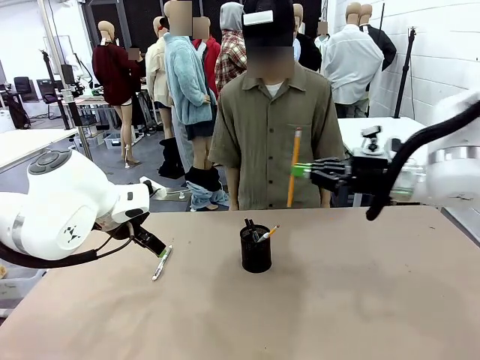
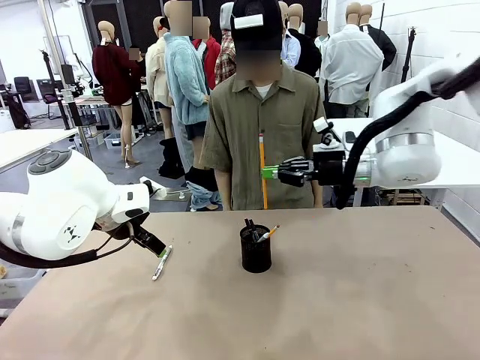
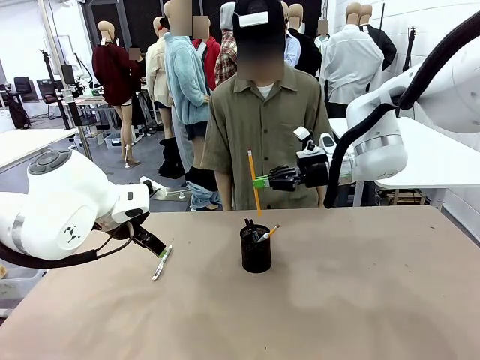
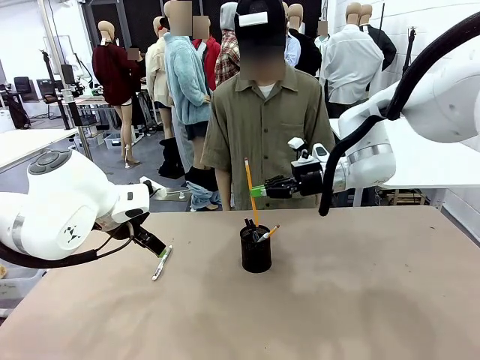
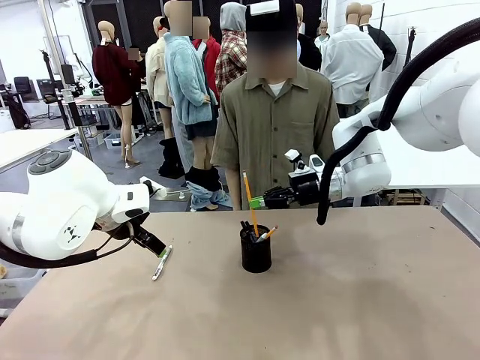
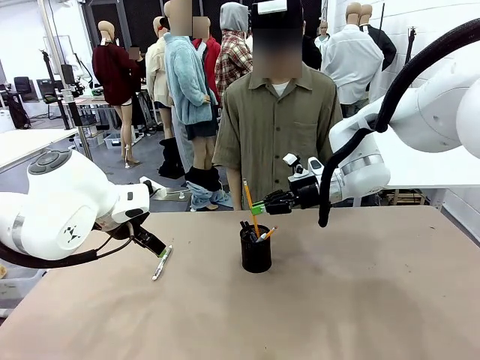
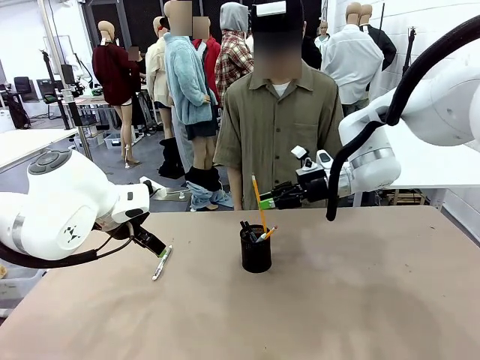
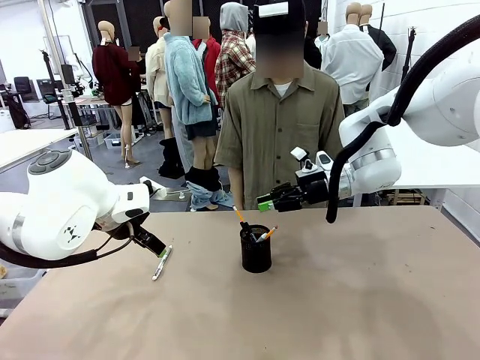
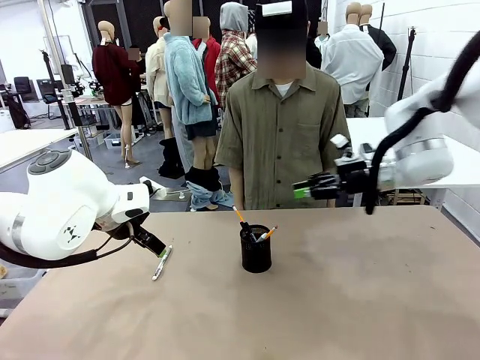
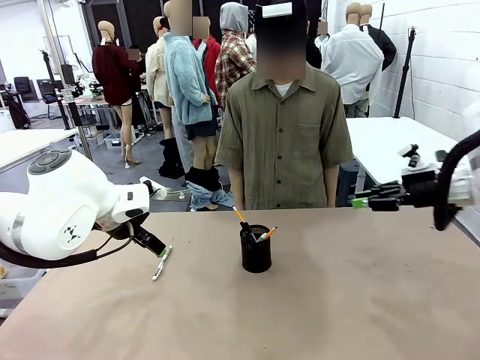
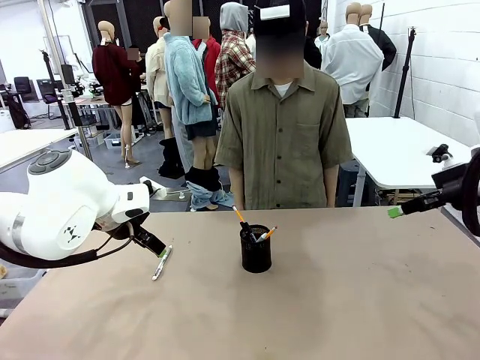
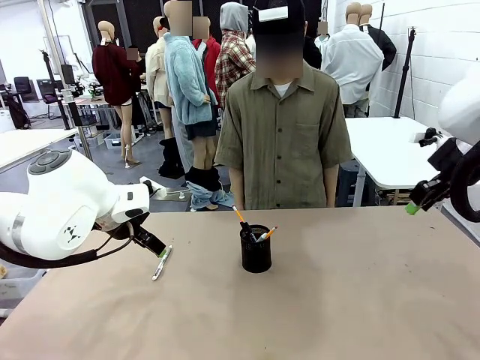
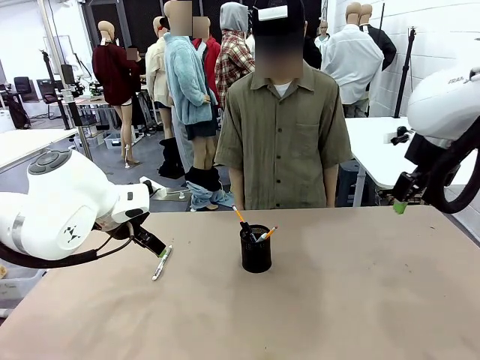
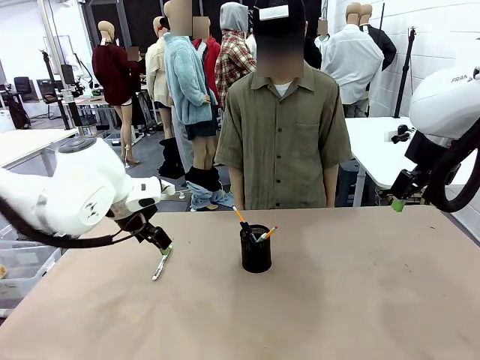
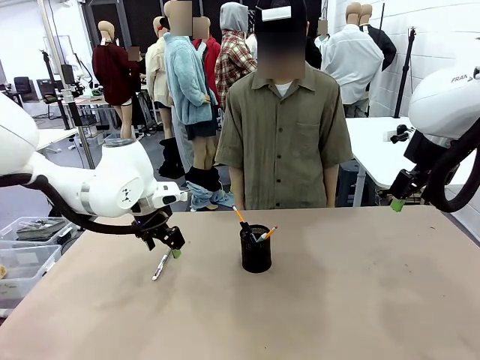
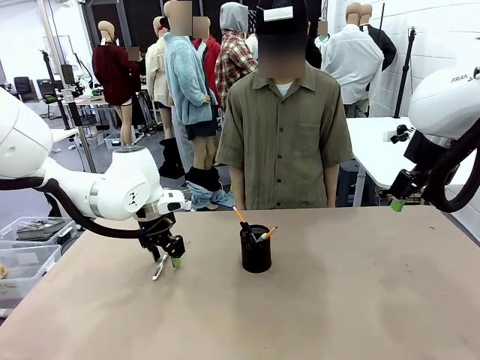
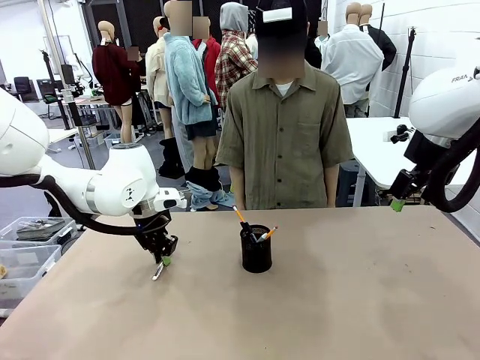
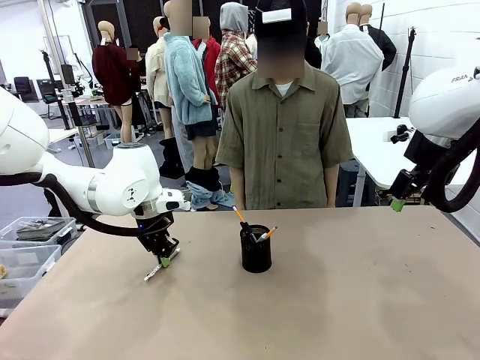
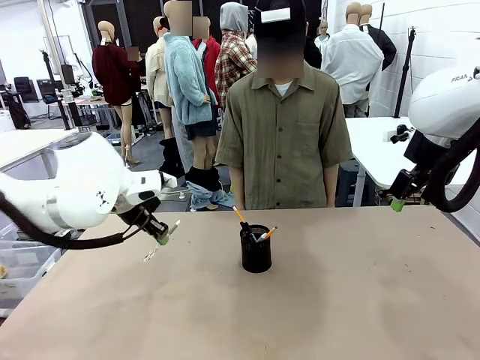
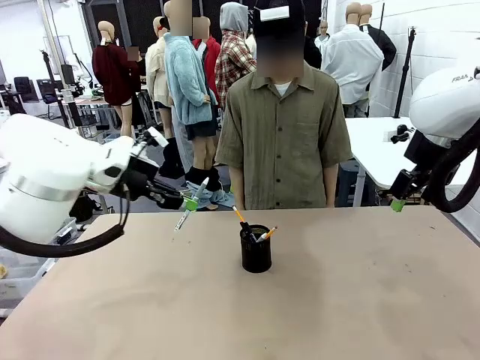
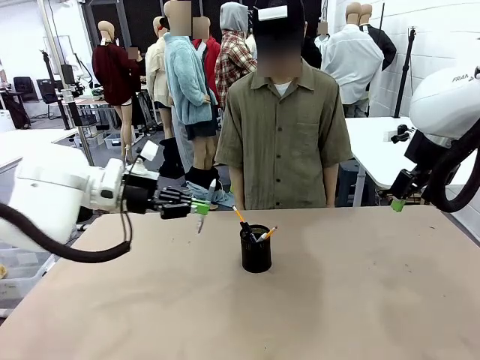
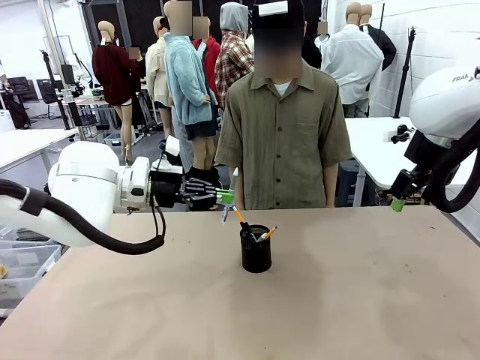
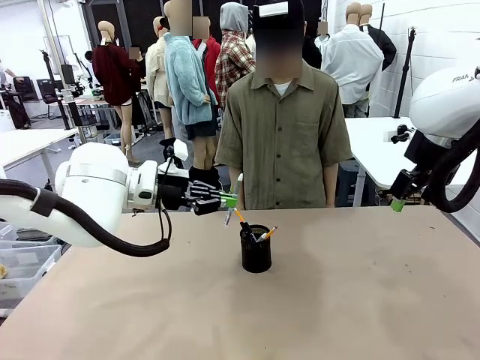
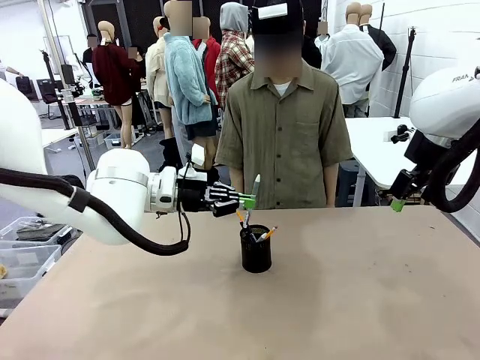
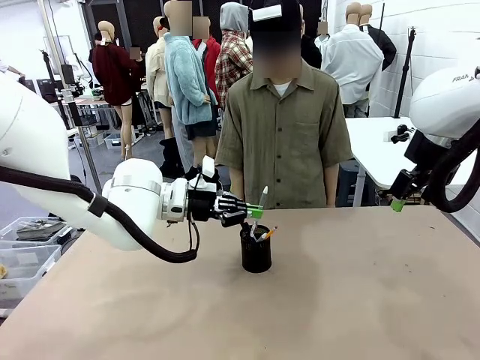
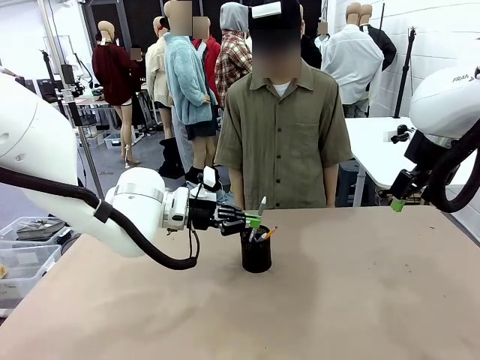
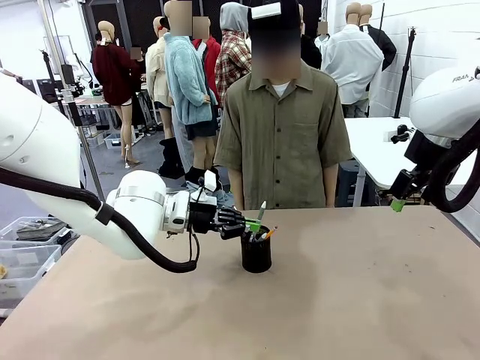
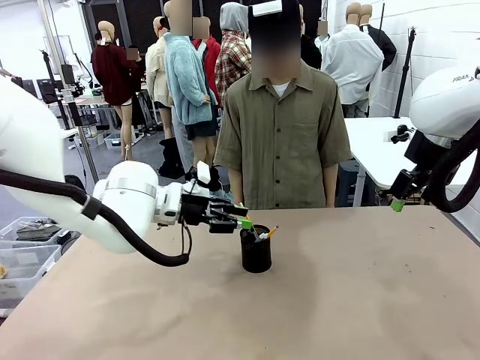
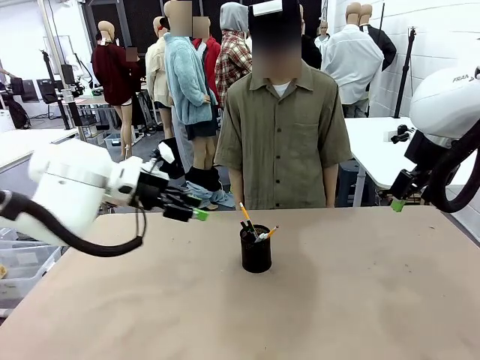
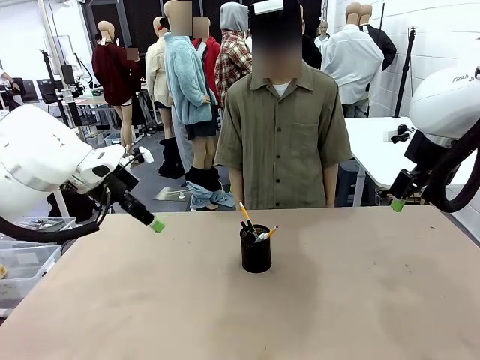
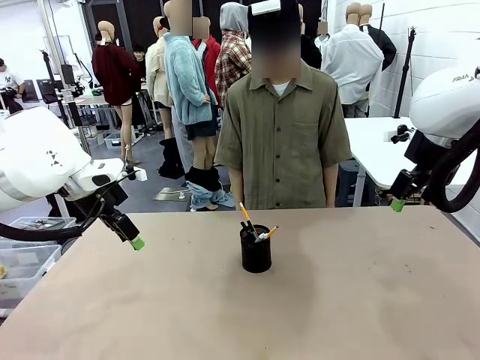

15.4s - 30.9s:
Task: Place the pens into the pen holder.
Robot: Pick up a writing instrument from the table and place it into the Pen holder.
Person: Place all writing instrument into the Pen holder.

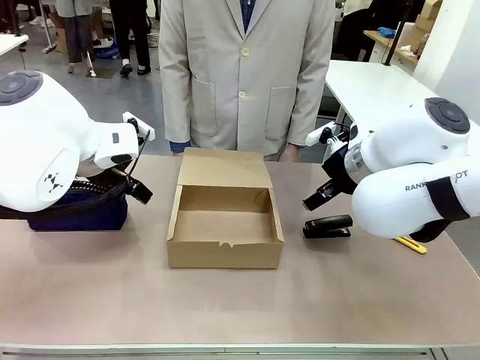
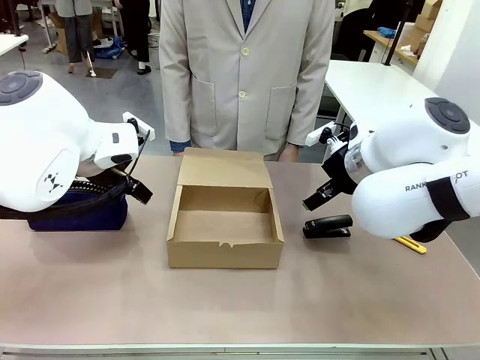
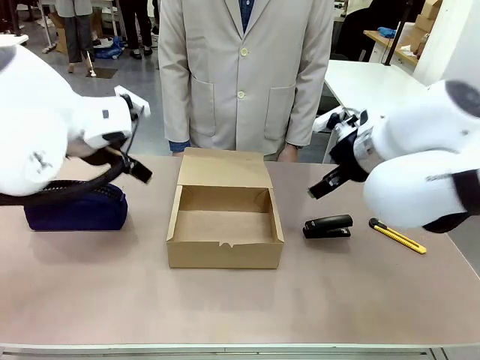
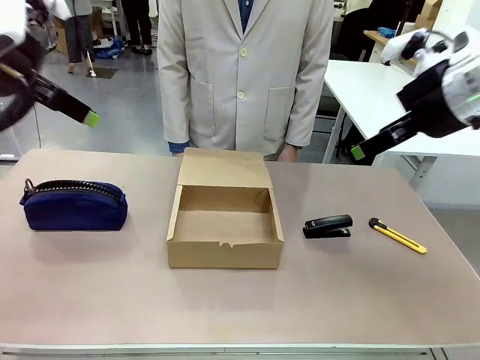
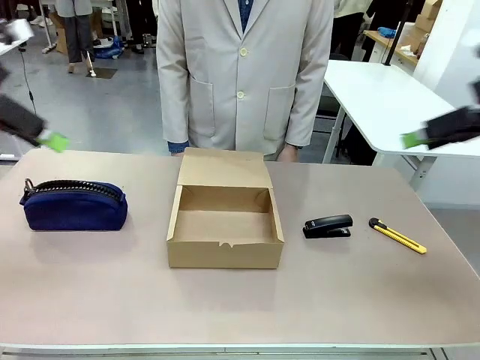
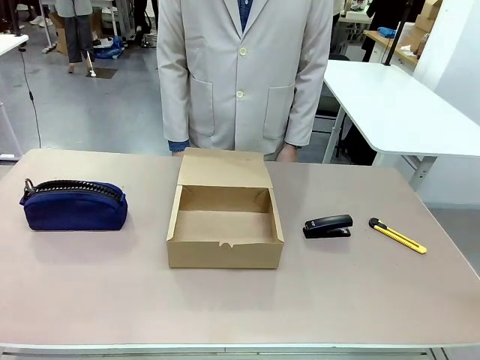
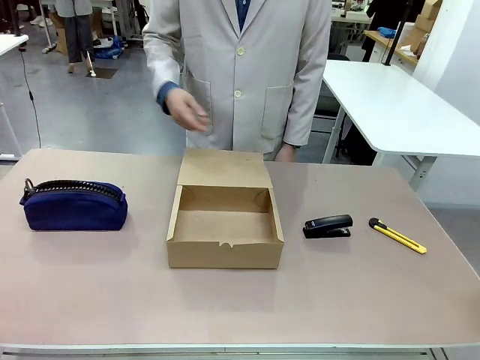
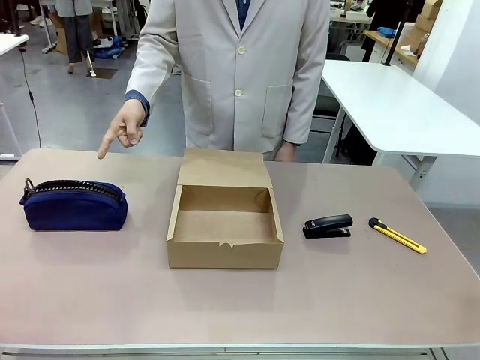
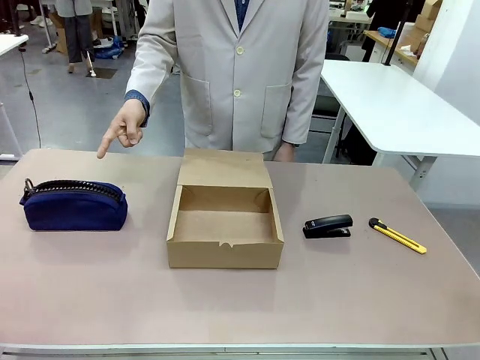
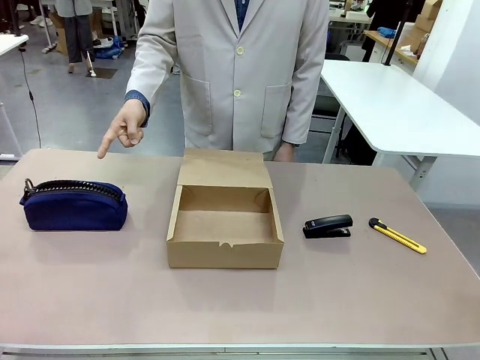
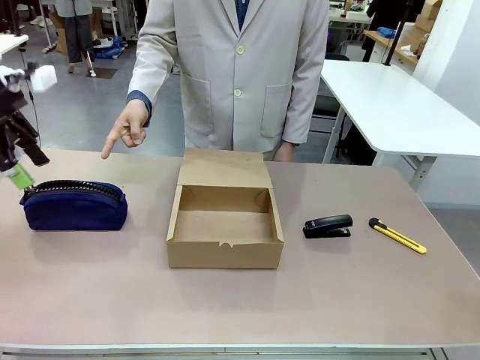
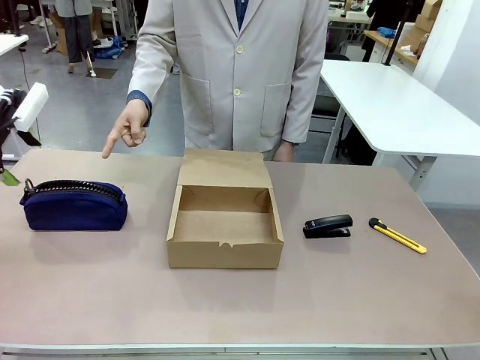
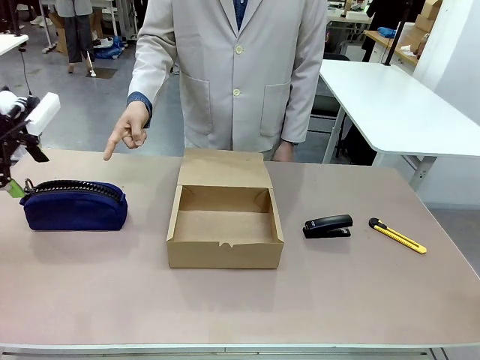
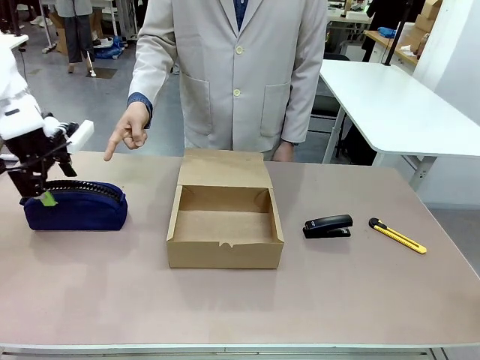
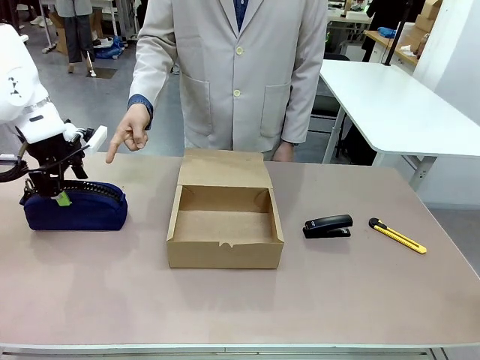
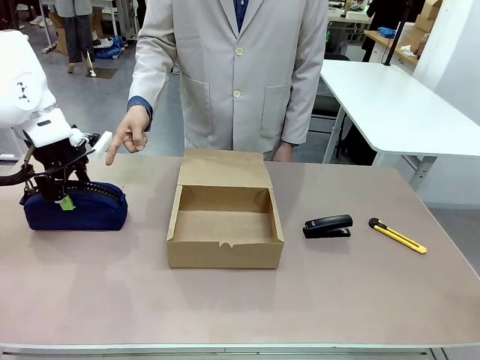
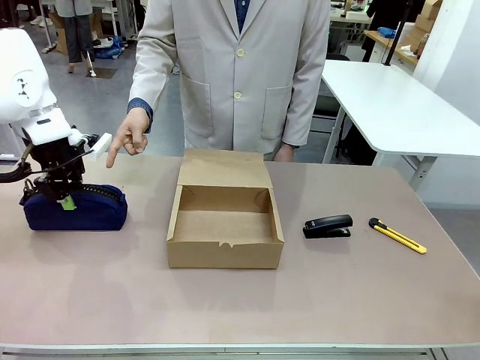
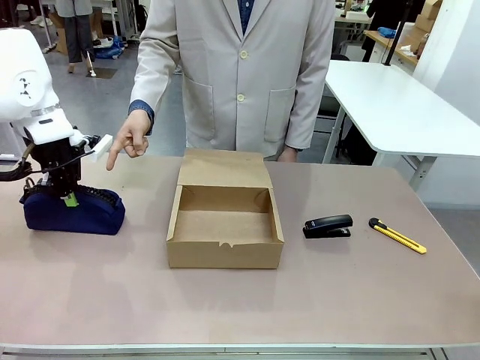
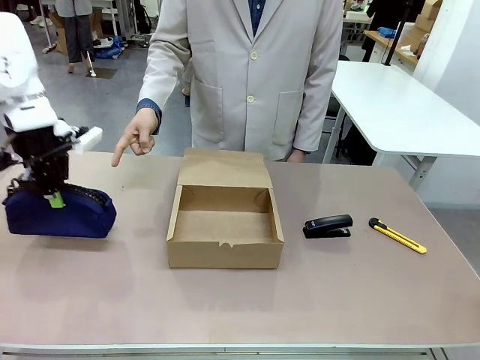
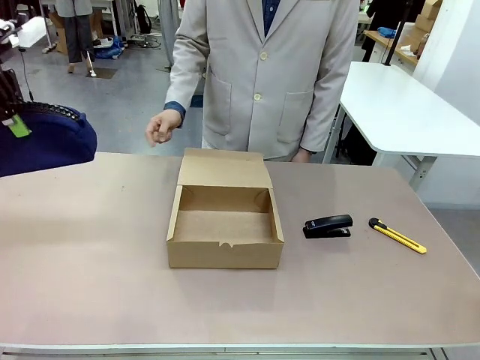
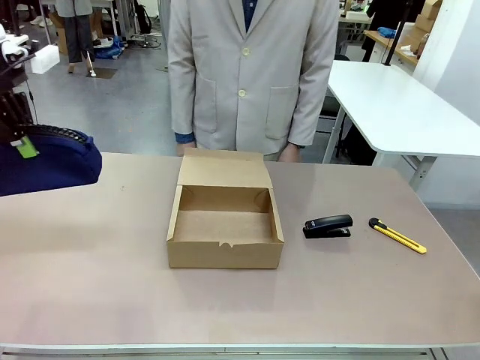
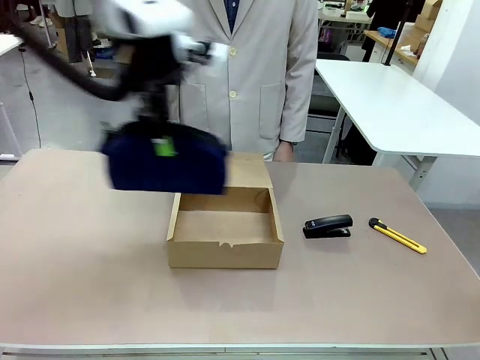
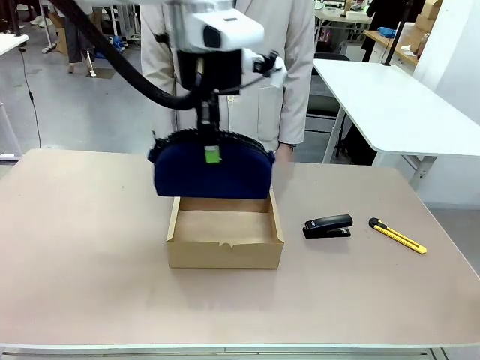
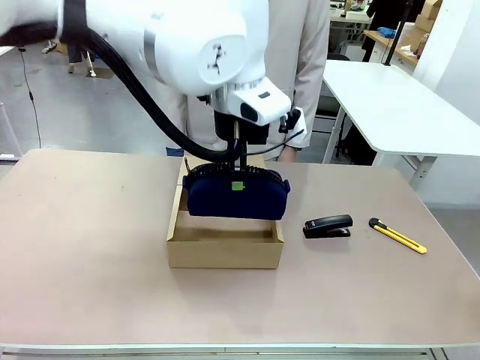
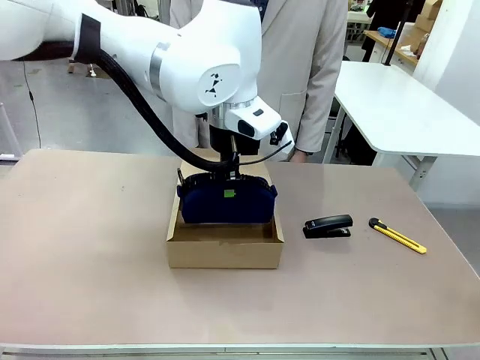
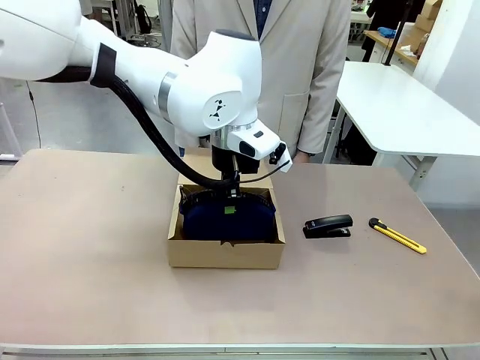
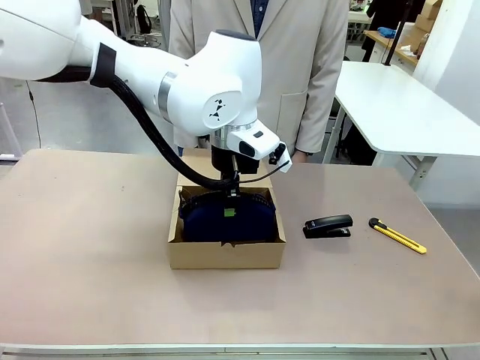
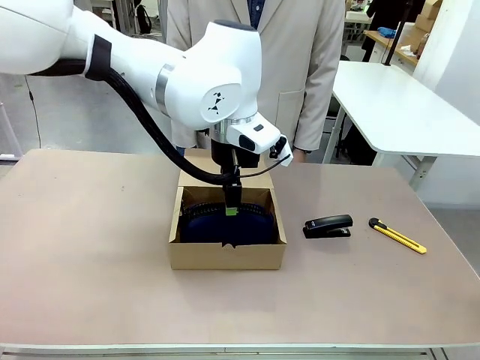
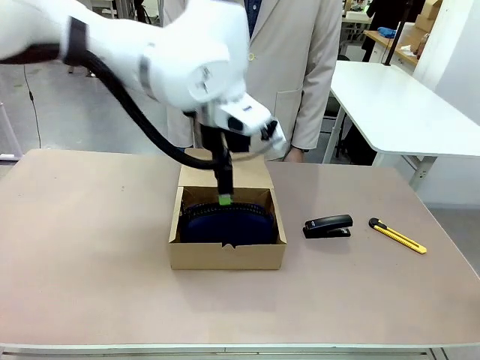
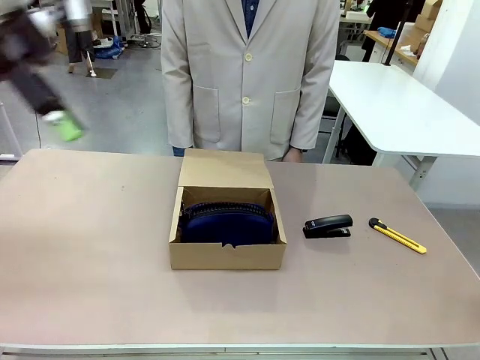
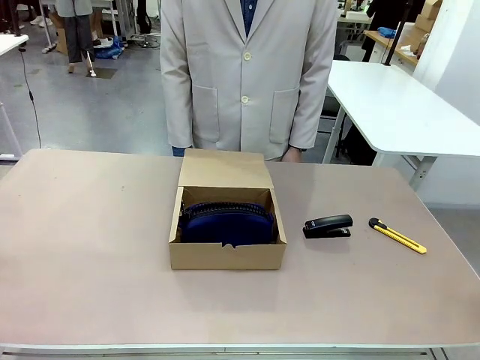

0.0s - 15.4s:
Task: Pack the item into the box.
Robot: Pick up the item indicated by the person and place it inside the Mailer Box.
Person: Point at one item on the table (excluding the box).
